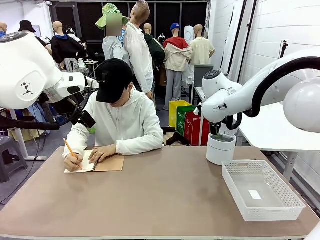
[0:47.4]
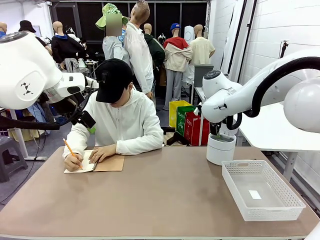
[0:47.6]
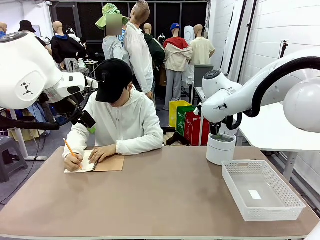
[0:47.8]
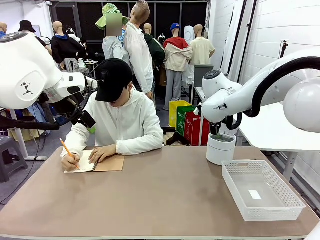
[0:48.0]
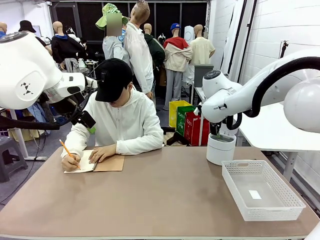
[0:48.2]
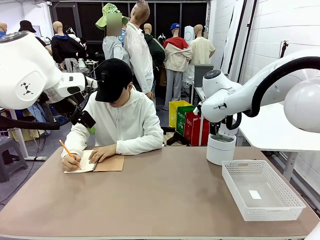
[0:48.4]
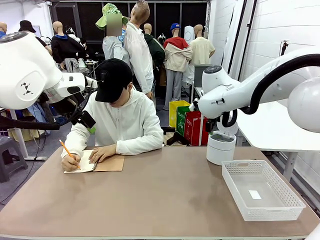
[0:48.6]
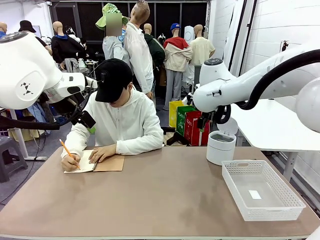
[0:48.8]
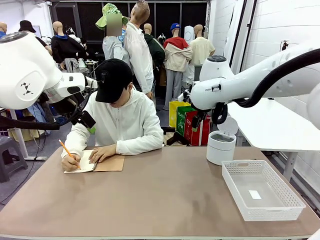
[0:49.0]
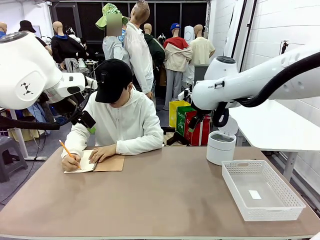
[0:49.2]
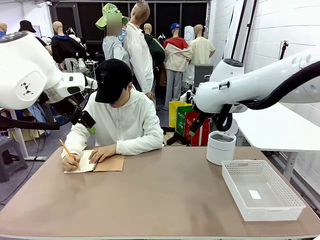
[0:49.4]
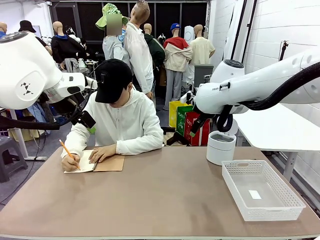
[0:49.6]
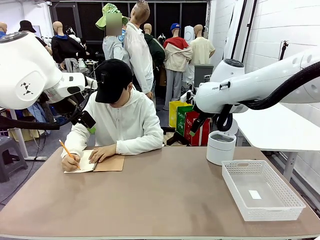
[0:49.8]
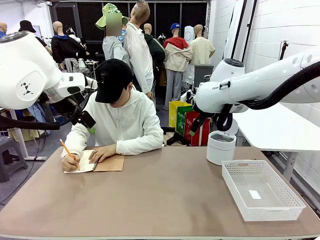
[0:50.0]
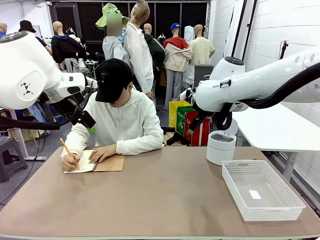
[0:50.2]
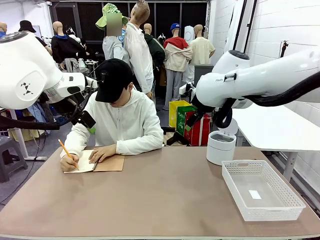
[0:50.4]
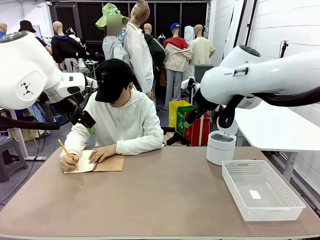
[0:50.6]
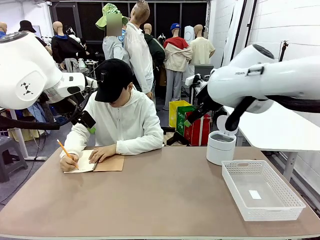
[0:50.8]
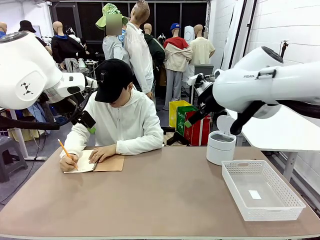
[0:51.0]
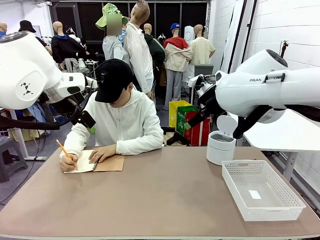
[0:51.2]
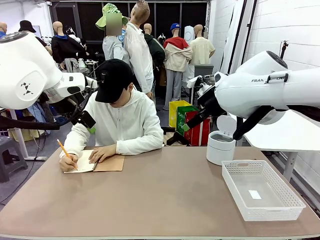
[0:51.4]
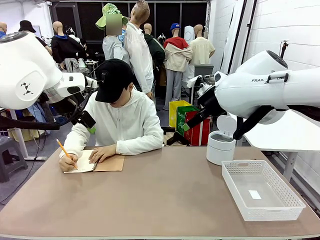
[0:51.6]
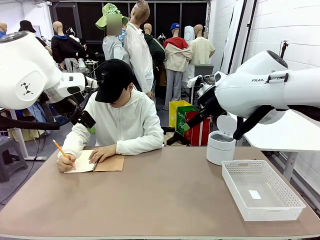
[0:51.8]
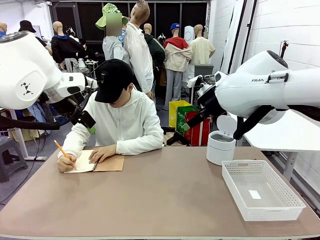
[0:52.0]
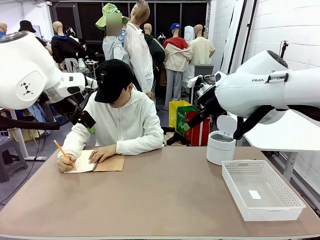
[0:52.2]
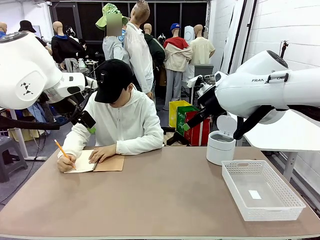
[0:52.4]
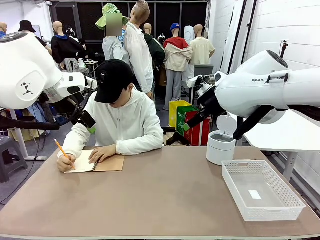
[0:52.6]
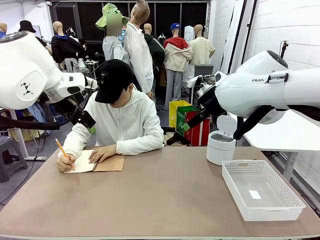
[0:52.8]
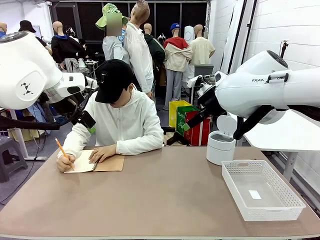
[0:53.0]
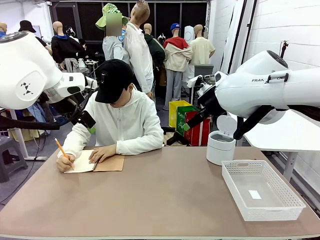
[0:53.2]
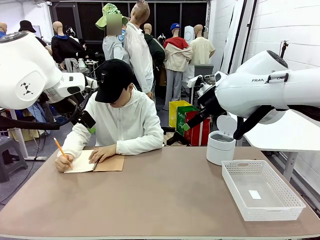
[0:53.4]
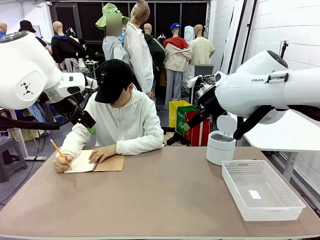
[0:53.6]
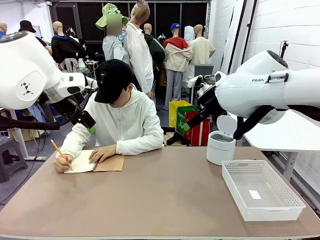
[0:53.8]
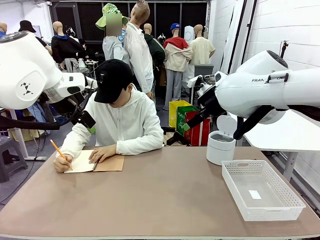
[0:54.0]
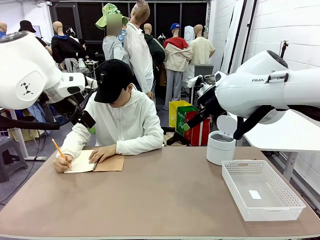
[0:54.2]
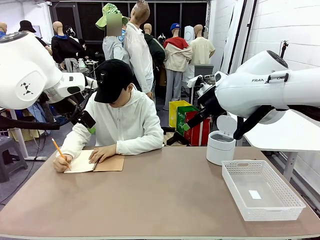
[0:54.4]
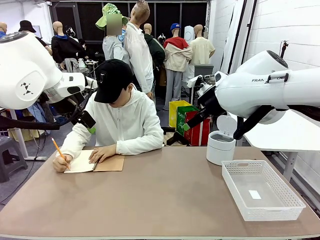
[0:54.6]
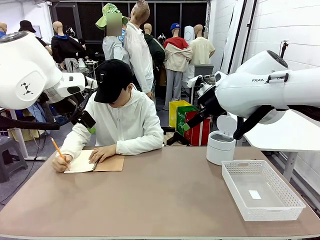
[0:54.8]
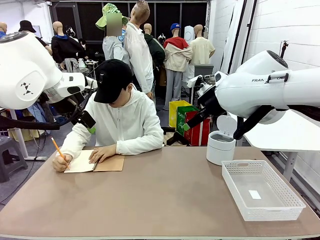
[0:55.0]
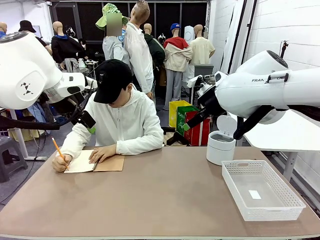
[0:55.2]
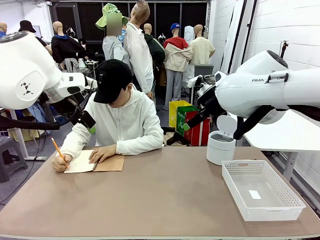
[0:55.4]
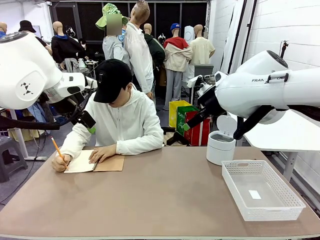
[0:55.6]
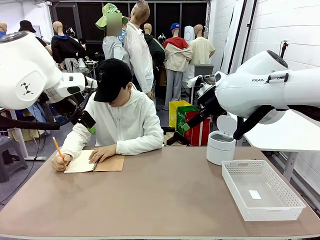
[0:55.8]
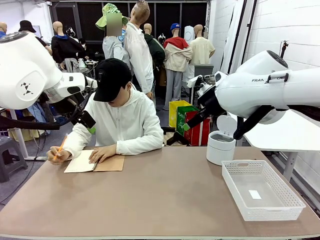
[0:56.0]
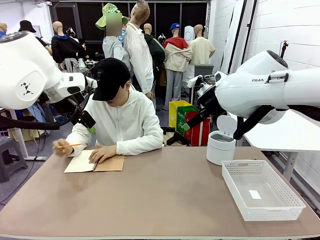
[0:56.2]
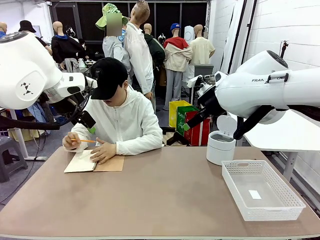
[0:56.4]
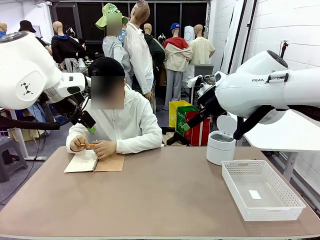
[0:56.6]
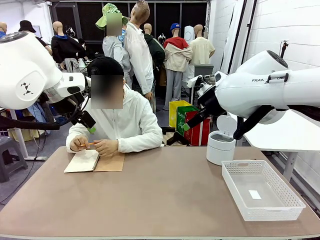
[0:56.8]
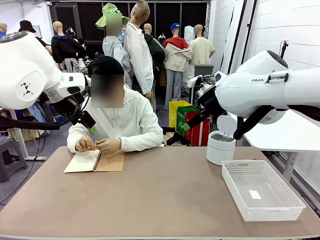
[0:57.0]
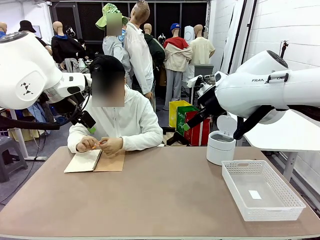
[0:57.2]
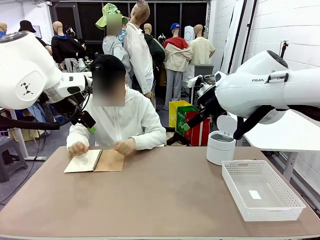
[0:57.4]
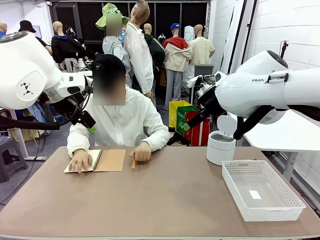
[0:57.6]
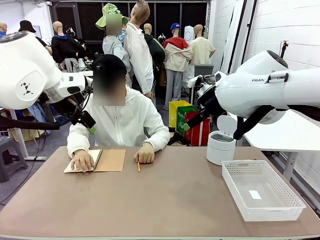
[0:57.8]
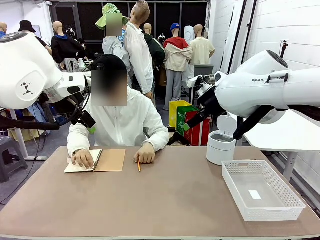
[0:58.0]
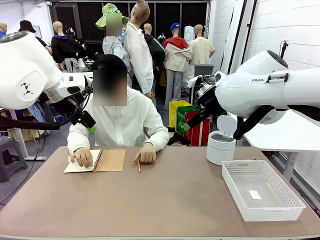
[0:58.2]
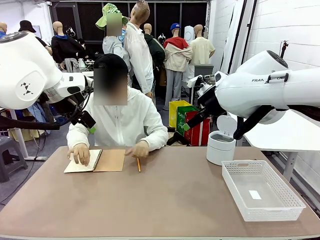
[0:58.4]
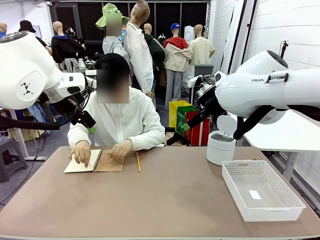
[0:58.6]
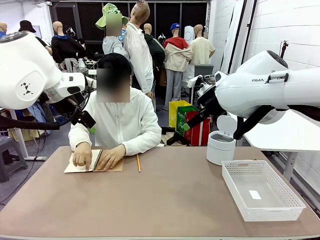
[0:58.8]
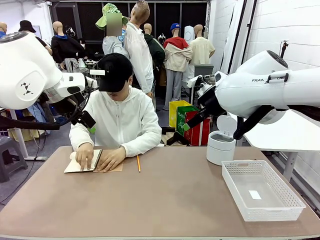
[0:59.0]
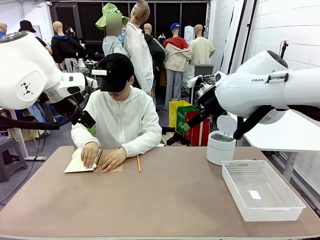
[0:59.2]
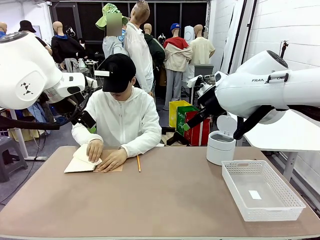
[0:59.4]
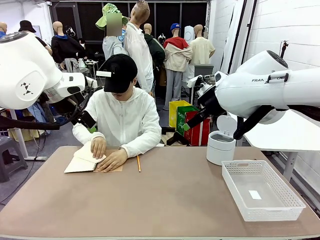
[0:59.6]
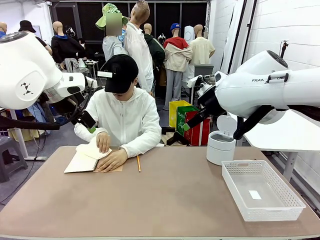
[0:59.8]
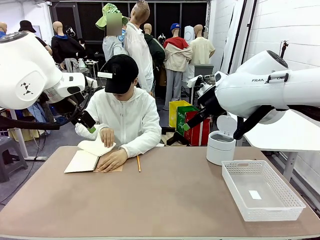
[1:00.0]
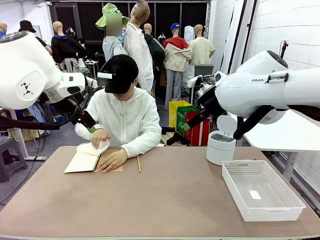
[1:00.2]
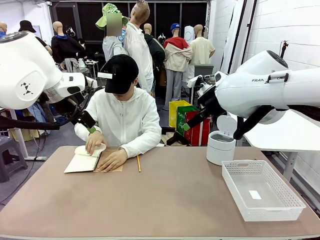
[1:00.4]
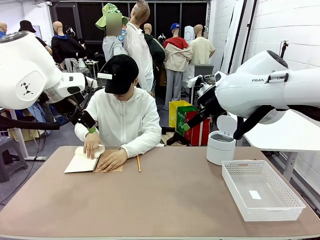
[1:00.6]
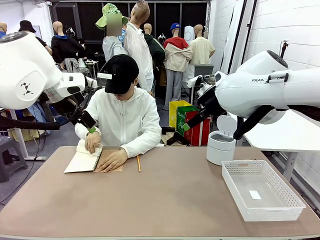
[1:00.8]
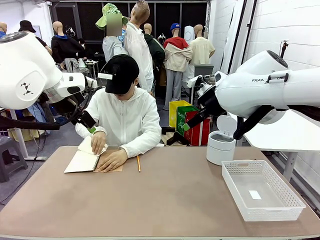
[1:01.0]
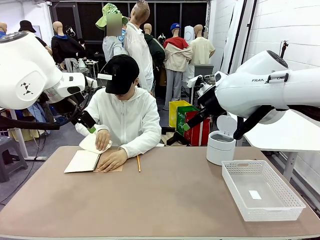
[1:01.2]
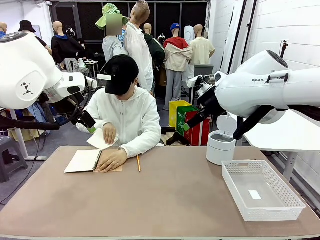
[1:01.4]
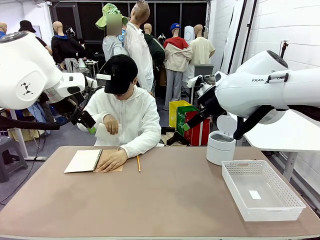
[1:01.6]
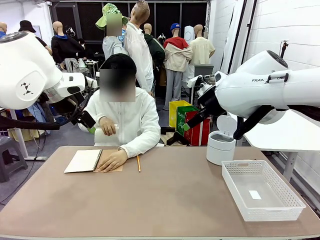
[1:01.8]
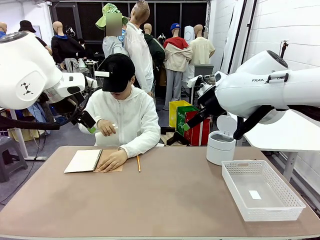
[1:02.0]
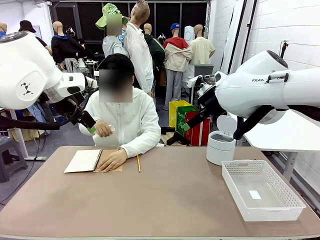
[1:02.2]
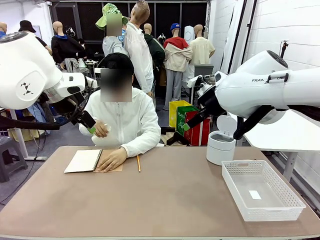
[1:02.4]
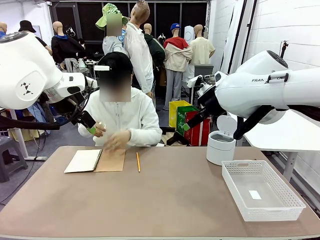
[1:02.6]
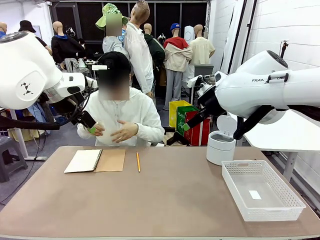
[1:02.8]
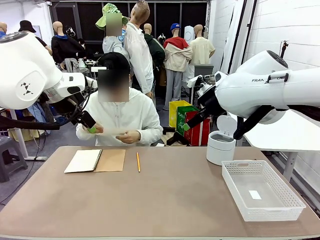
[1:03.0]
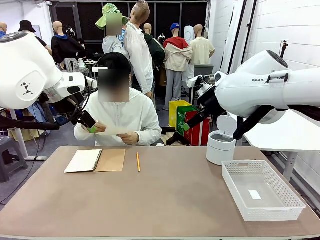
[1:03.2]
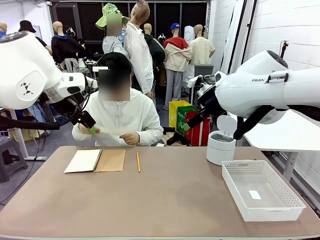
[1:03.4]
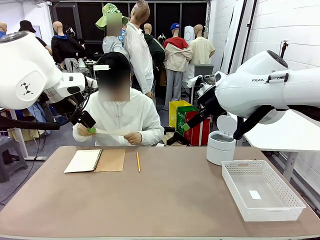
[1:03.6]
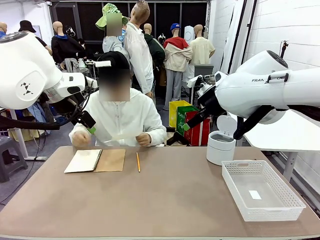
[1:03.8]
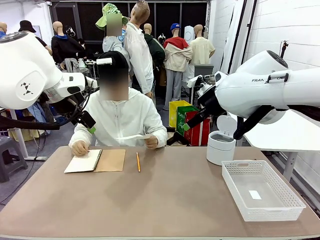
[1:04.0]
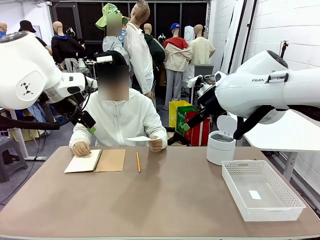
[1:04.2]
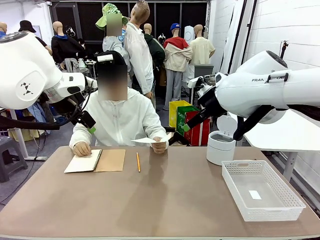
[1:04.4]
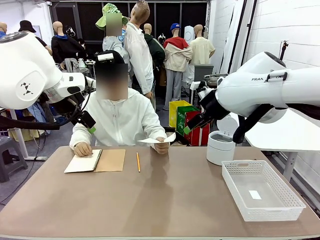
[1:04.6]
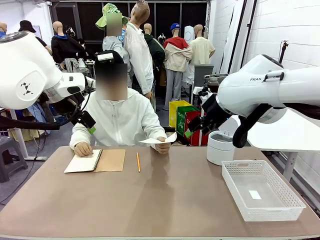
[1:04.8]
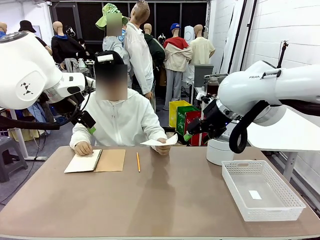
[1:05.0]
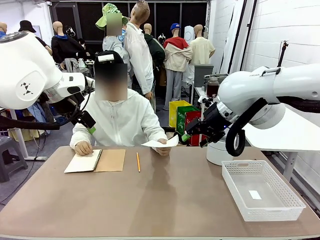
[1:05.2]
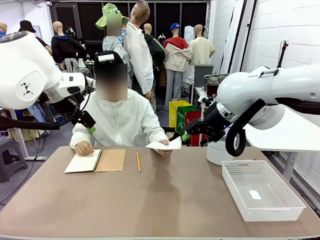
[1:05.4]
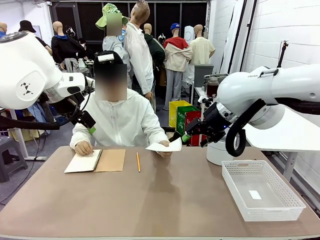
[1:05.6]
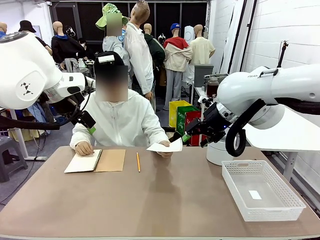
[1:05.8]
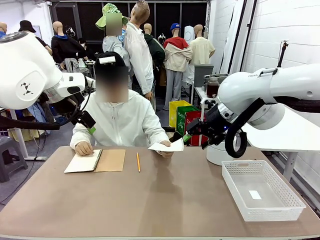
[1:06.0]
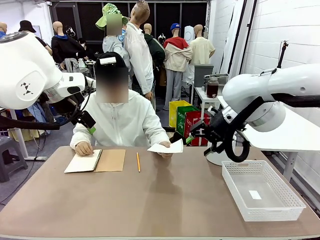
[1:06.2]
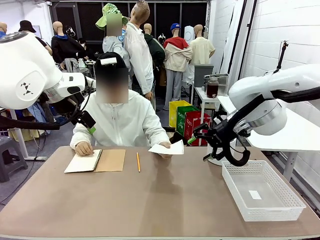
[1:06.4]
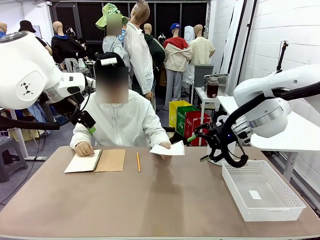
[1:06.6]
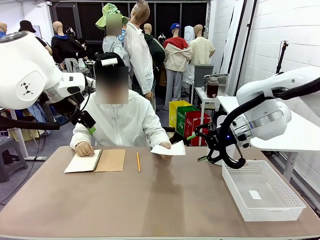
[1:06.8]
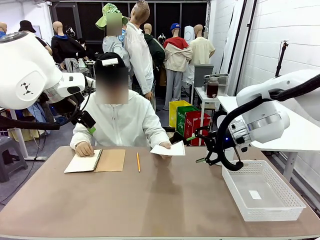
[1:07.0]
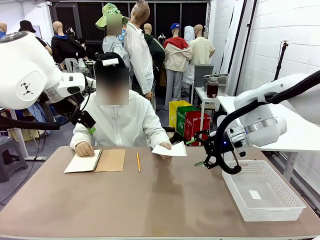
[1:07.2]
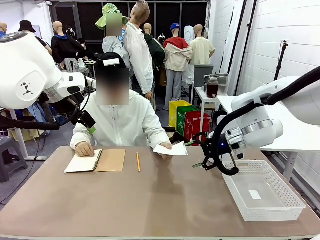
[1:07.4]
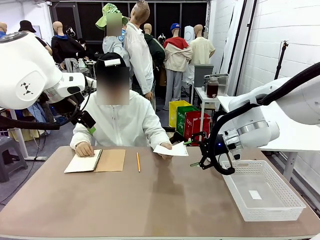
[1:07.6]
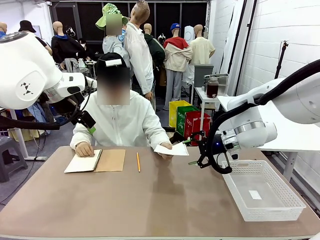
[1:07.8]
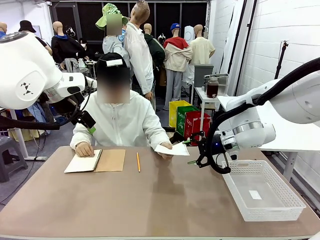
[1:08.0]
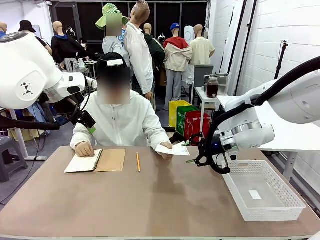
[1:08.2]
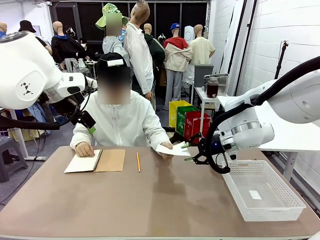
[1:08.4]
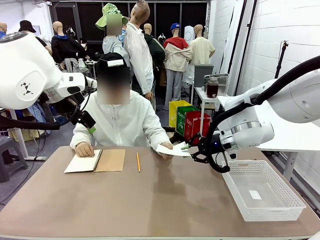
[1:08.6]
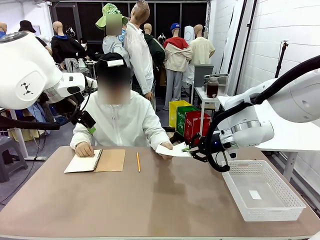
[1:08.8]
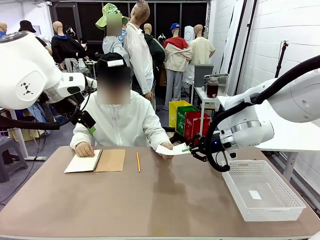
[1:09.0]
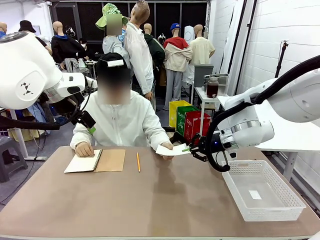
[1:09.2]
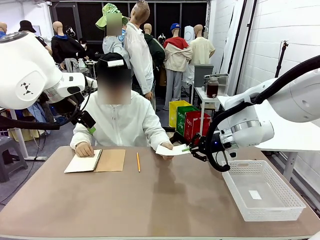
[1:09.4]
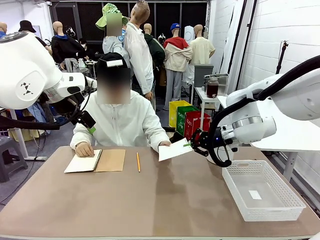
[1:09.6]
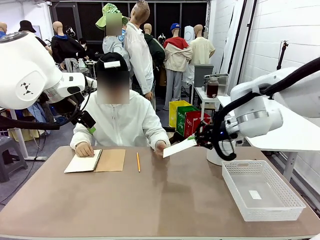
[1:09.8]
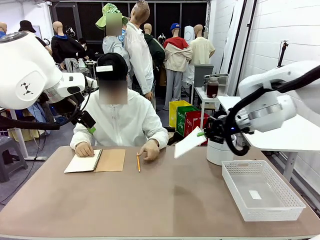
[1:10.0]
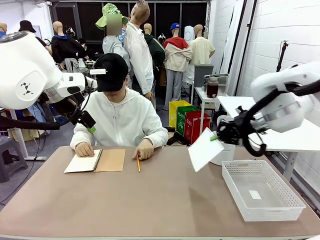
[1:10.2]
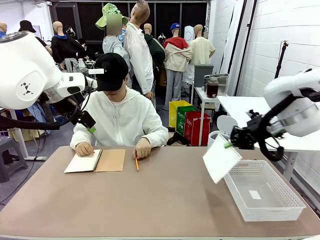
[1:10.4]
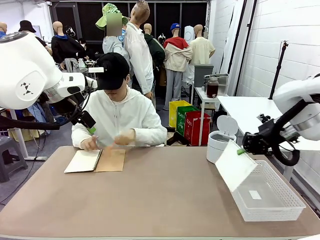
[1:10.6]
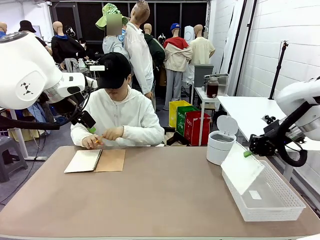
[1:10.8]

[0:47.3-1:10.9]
Task: Sort the paper based on its condition.
Robot: If a person hands you a paper, place it in the Organizing basket , and if it's crumpled, put it in the Trash can.
Person: Tear out a page from the spiral notebook. Hand the torn page to the robot or crumple it and throw it to the center of the table.
